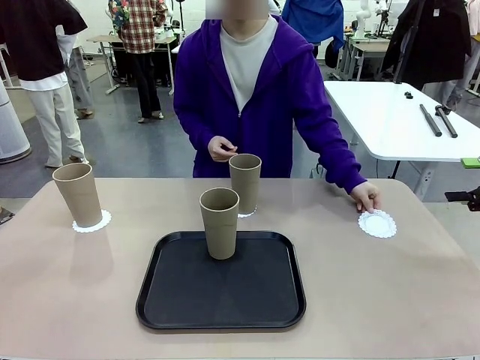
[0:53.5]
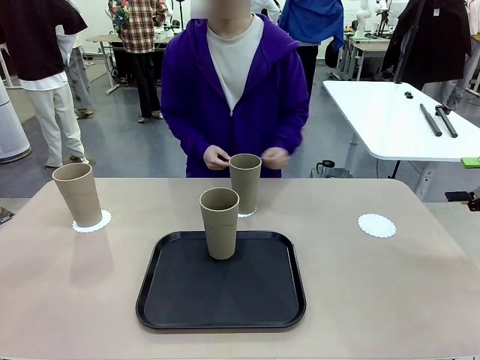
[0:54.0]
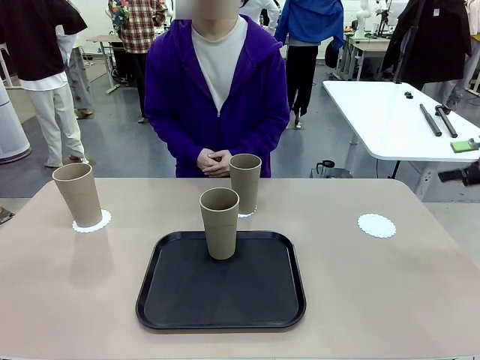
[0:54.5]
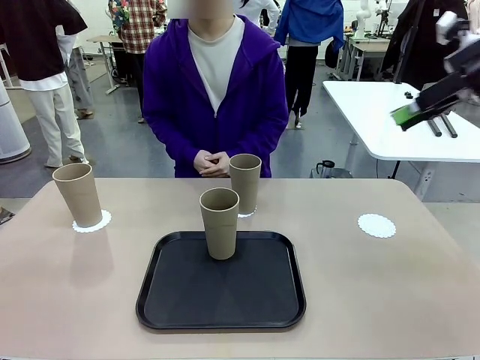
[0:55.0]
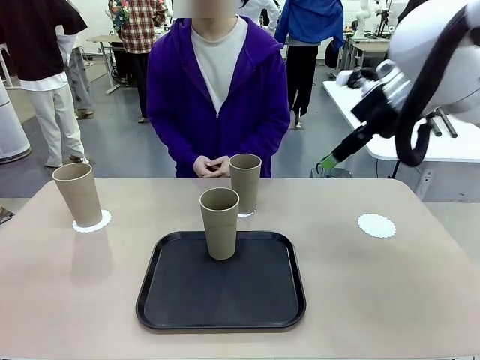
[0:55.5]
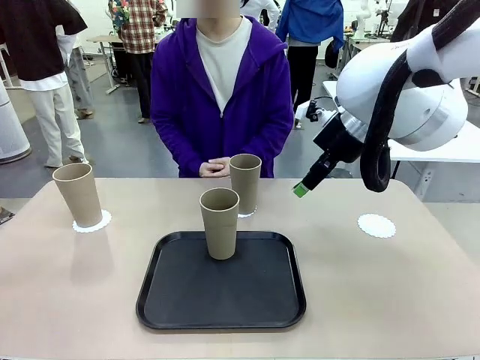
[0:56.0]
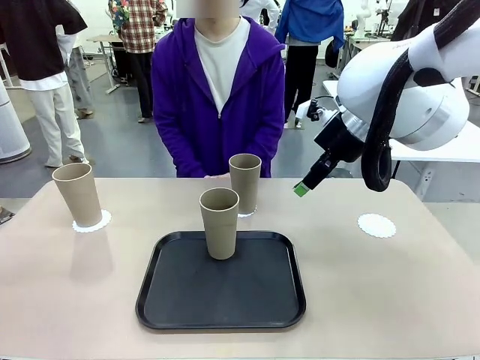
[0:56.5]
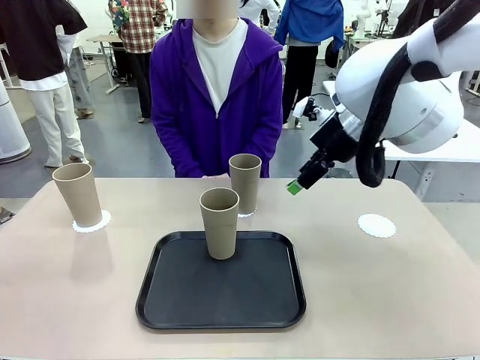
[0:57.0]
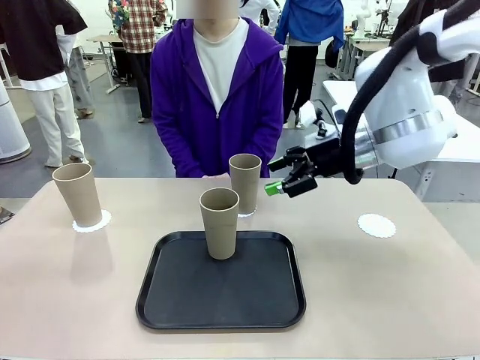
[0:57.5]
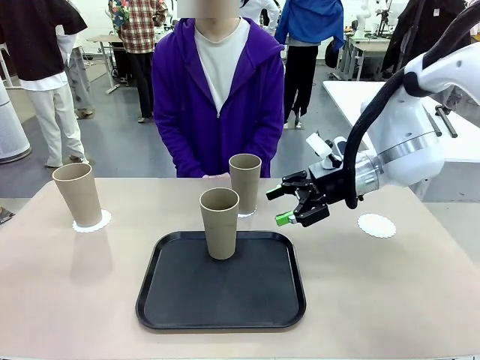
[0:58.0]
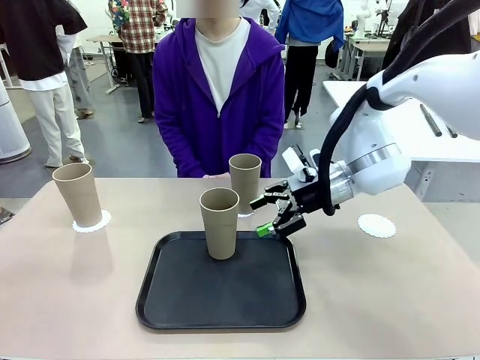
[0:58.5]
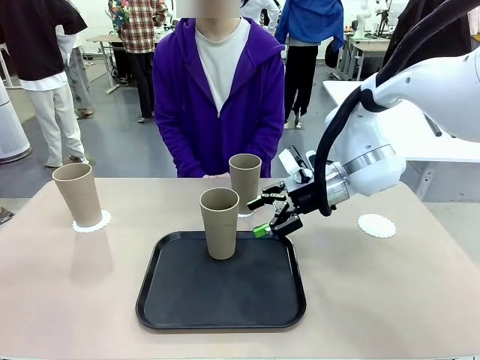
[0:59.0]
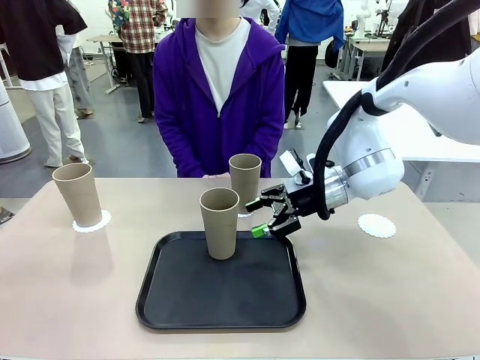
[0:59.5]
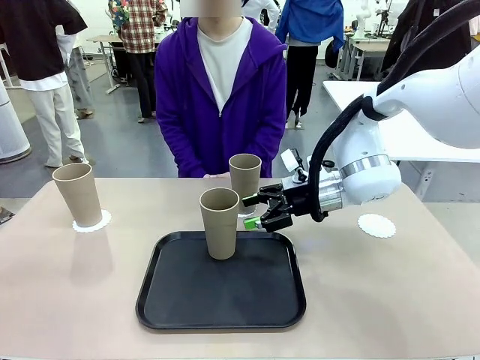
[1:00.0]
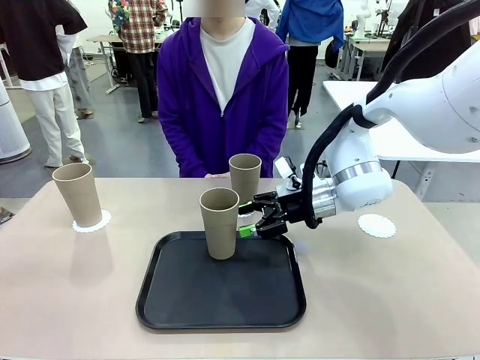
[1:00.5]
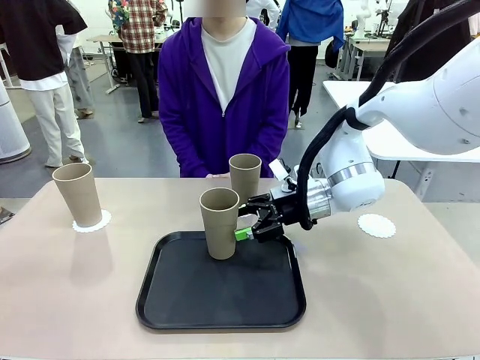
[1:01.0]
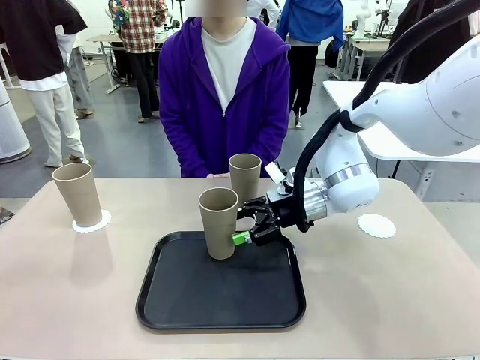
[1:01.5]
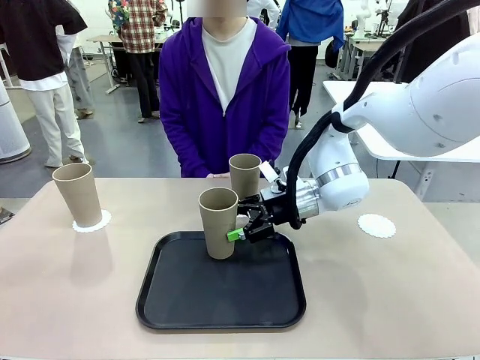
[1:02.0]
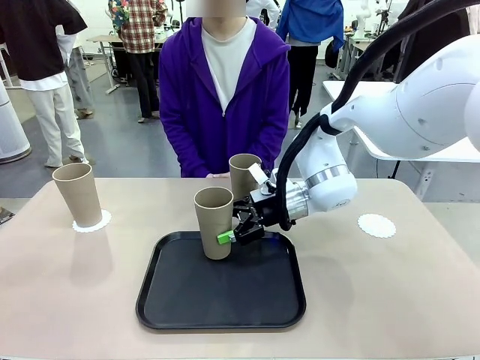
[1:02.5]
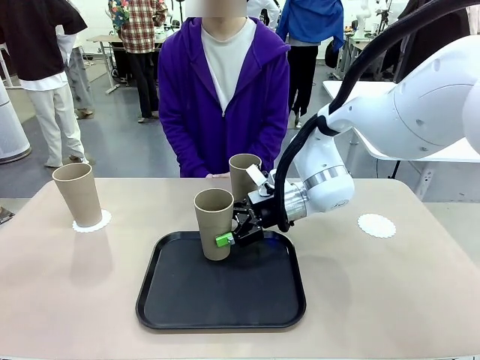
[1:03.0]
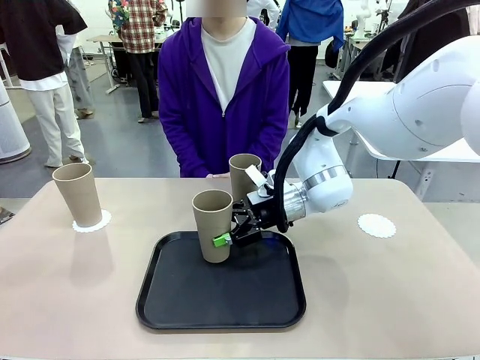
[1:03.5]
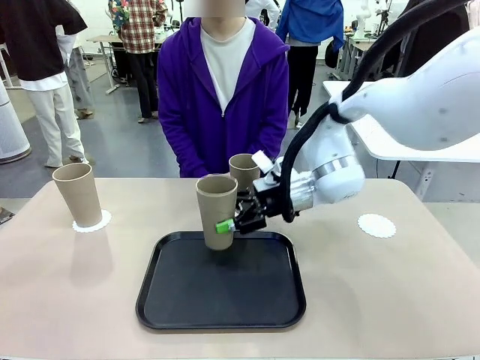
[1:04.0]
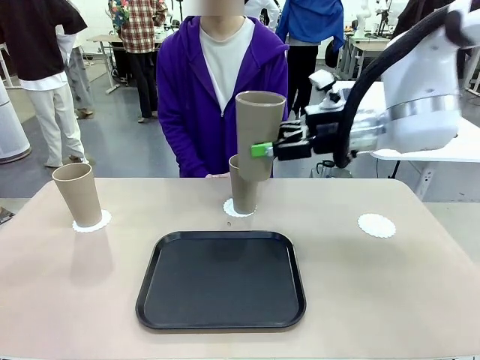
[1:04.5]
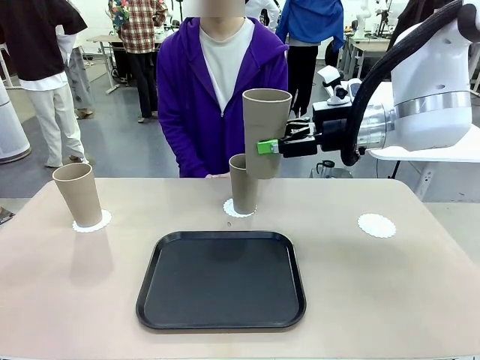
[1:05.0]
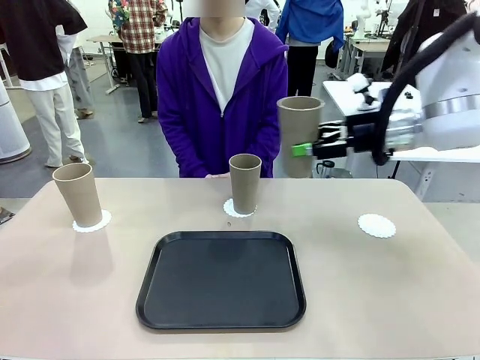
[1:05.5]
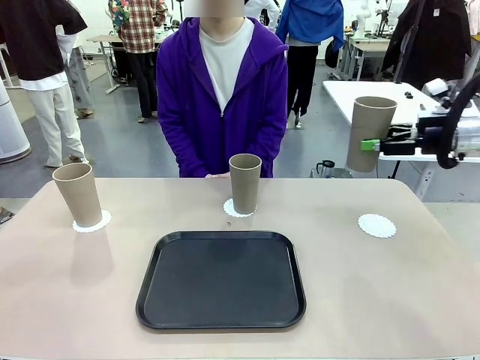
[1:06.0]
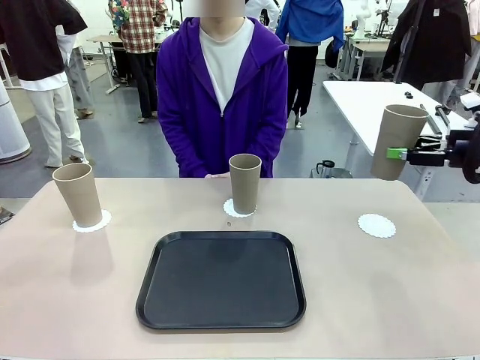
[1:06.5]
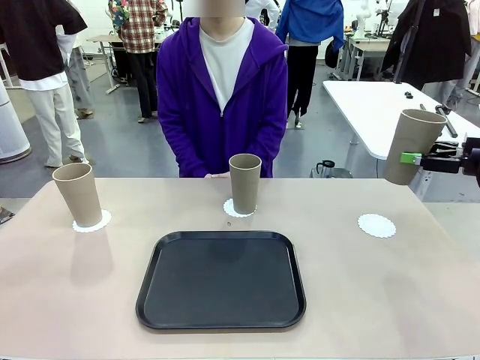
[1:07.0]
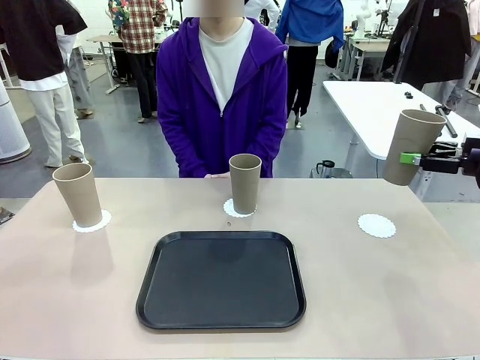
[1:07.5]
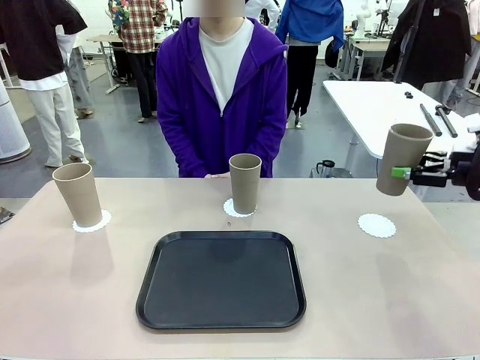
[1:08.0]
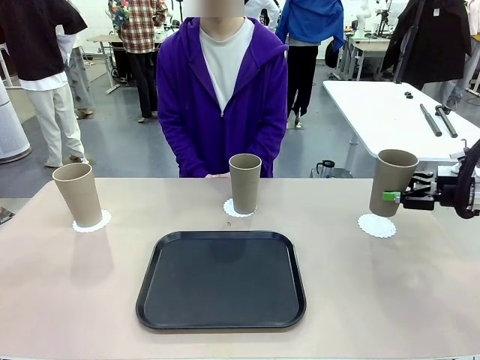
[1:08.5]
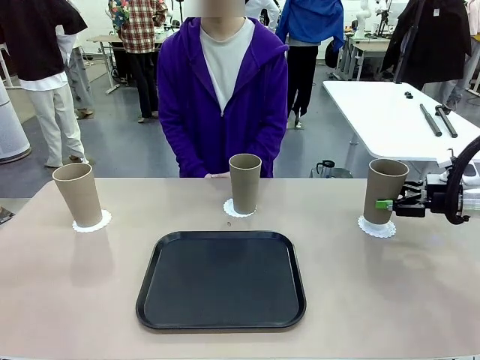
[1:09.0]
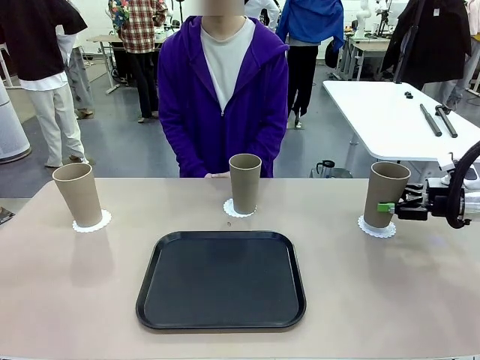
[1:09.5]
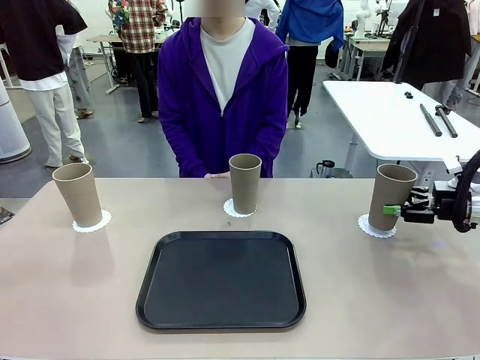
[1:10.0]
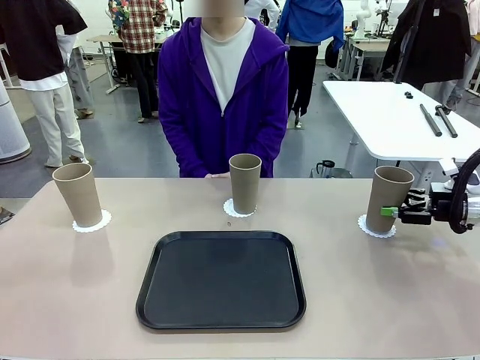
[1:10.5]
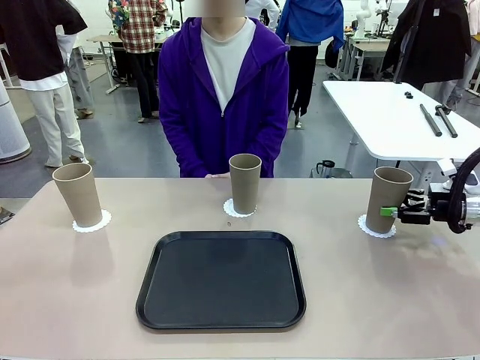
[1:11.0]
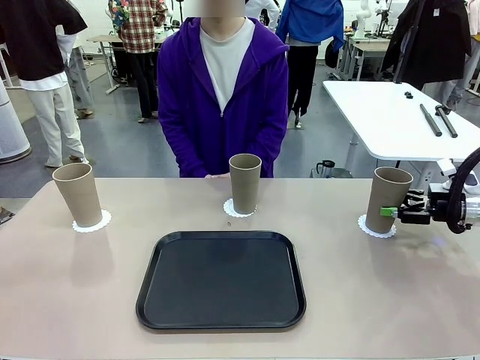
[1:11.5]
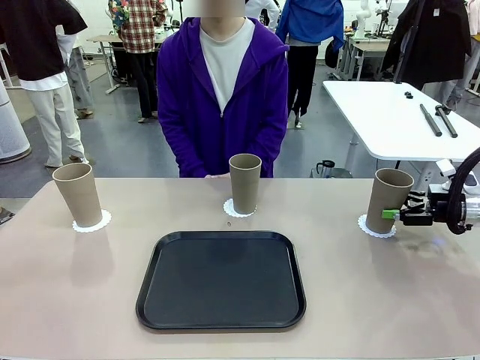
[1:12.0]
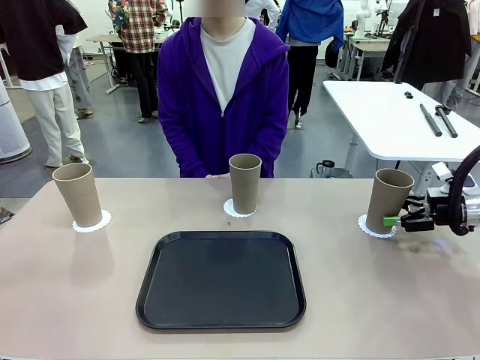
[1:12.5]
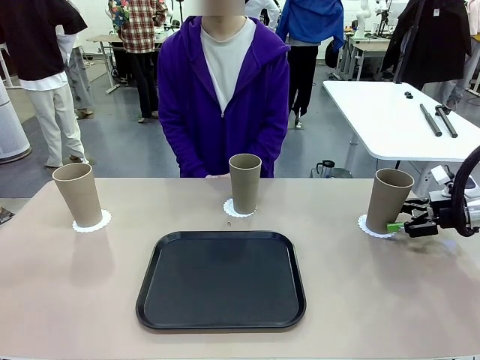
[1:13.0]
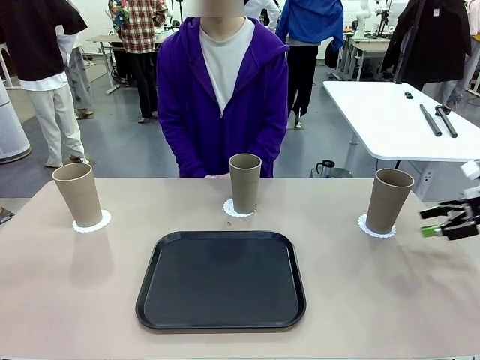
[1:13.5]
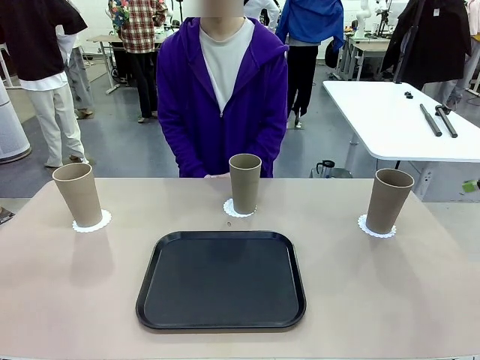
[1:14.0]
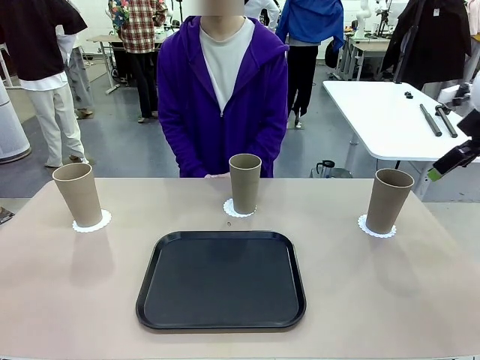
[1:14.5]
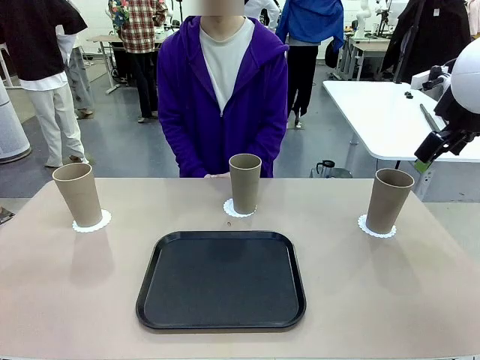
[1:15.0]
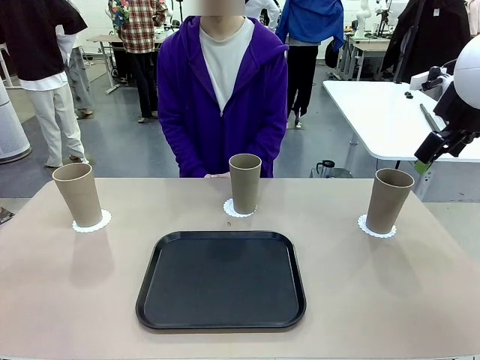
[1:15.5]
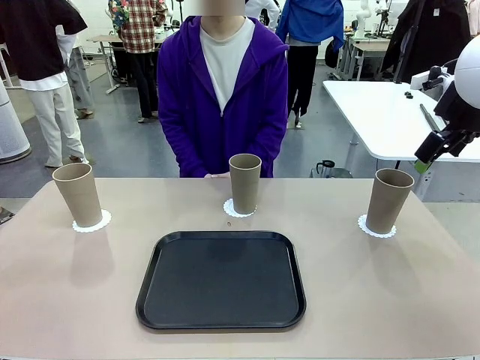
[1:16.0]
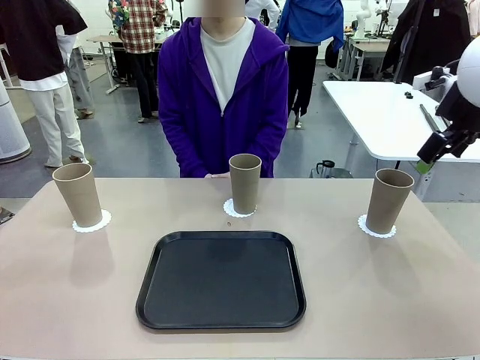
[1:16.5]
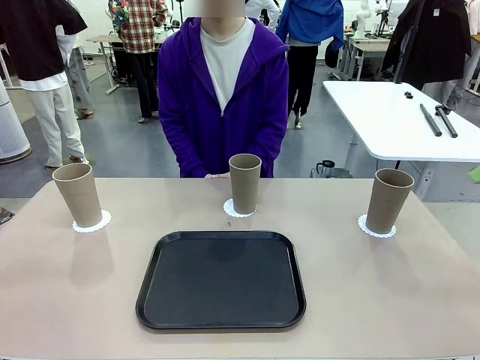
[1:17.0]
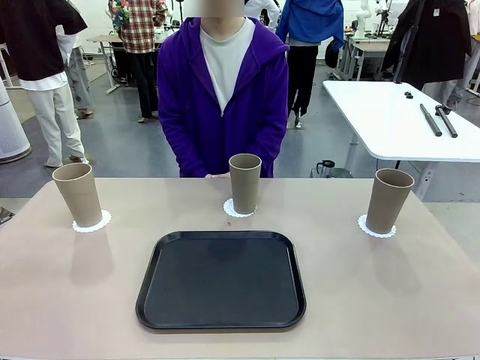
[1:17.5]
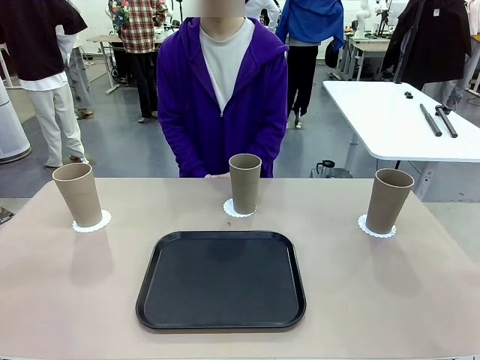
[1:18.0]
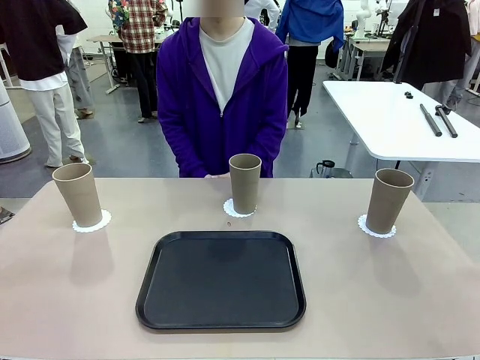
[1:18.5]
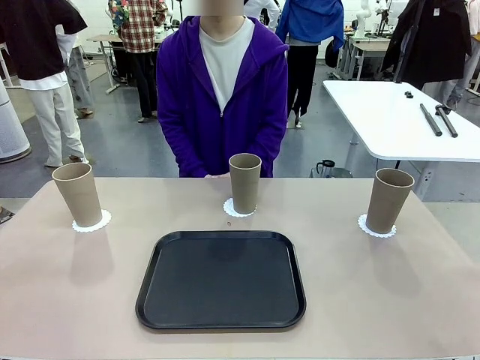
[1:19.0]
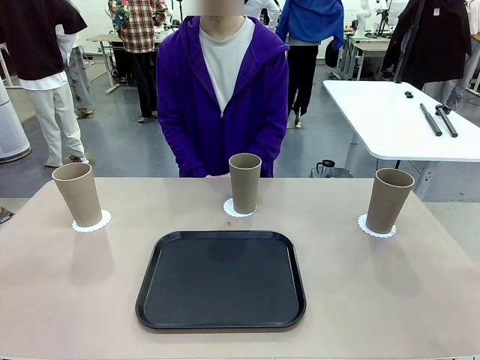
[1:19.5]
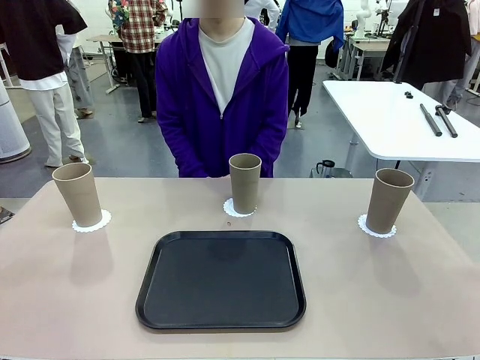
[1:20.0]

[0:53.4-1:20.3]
Task: Place coasters on the table and set cups on them.
Robot: Take one Reusable plastic cup from the Flat Tray and place it on a coaster set by the human.
Person: Place one coaster in the only remaining area.
